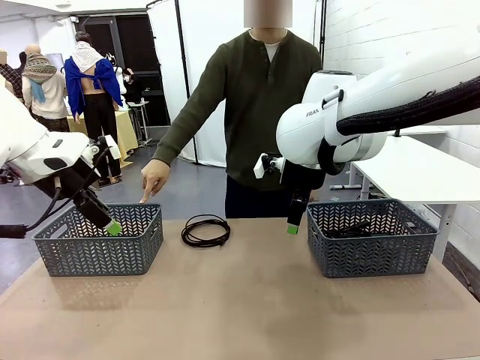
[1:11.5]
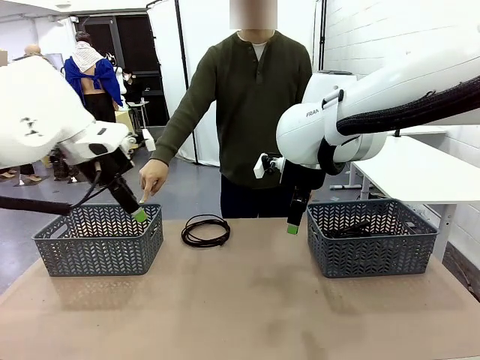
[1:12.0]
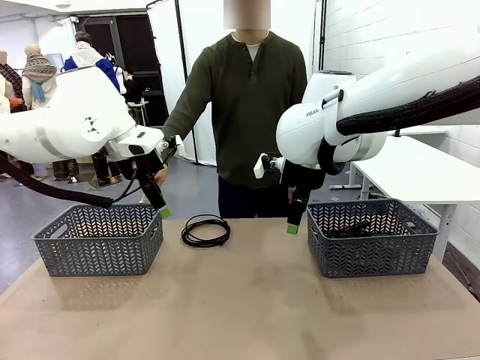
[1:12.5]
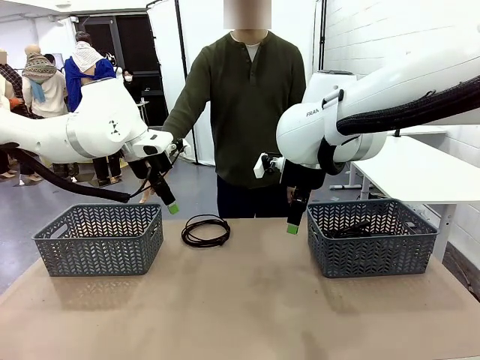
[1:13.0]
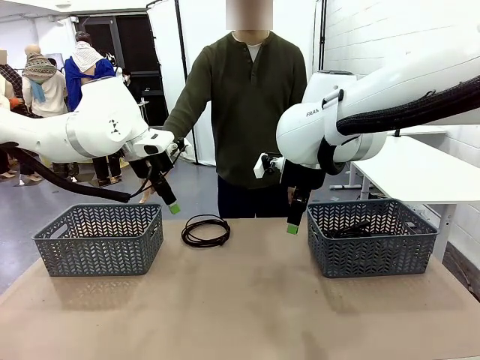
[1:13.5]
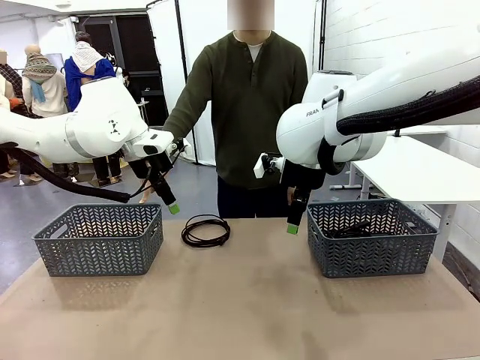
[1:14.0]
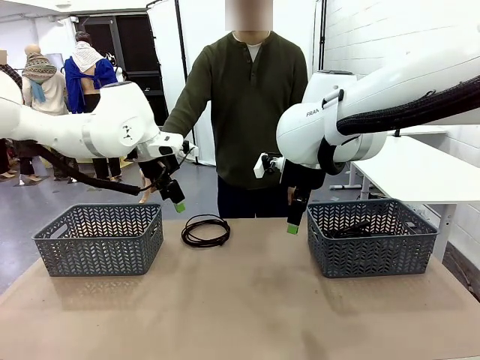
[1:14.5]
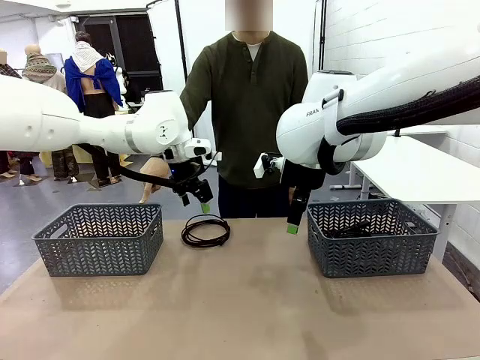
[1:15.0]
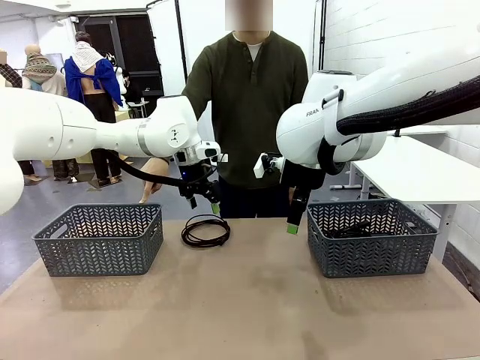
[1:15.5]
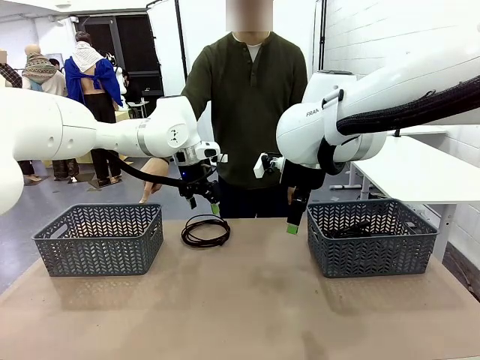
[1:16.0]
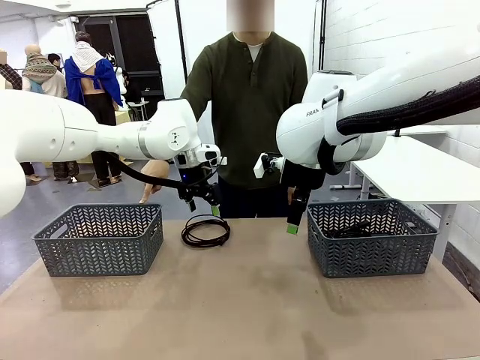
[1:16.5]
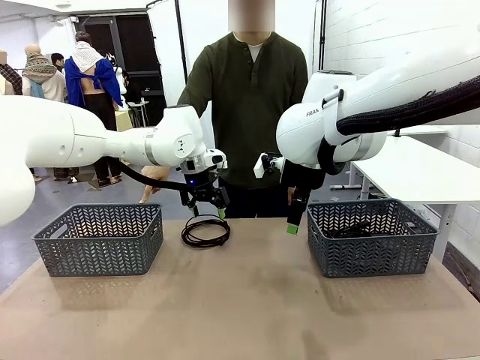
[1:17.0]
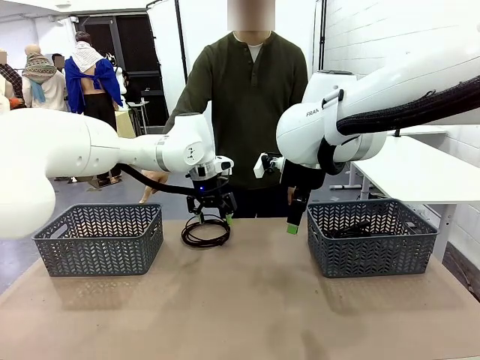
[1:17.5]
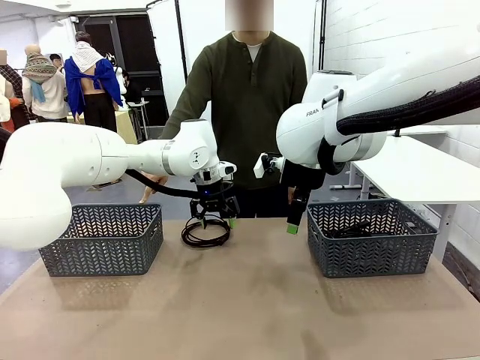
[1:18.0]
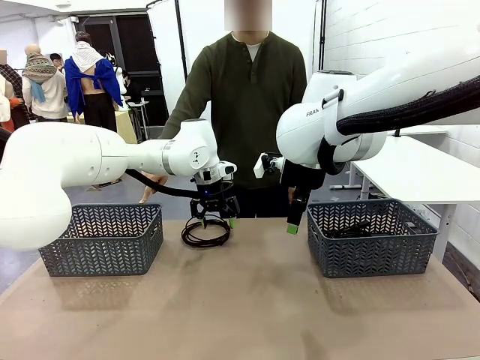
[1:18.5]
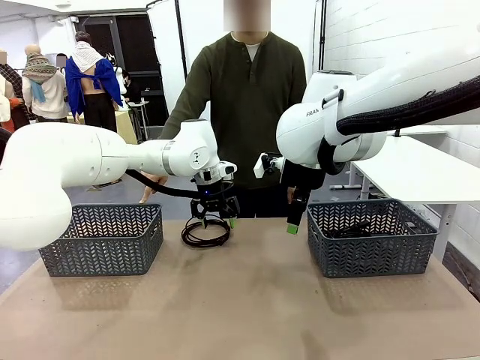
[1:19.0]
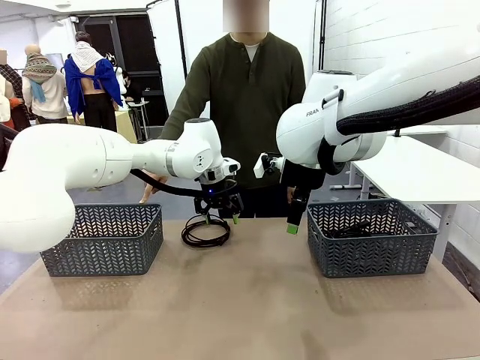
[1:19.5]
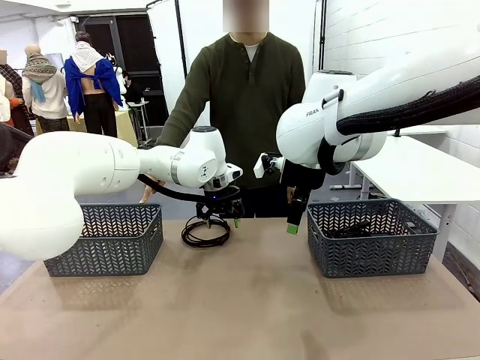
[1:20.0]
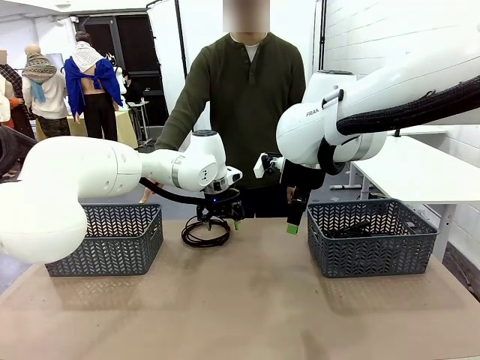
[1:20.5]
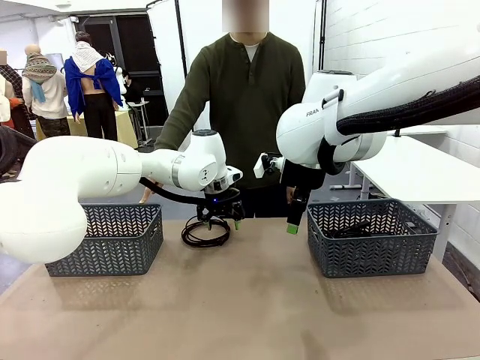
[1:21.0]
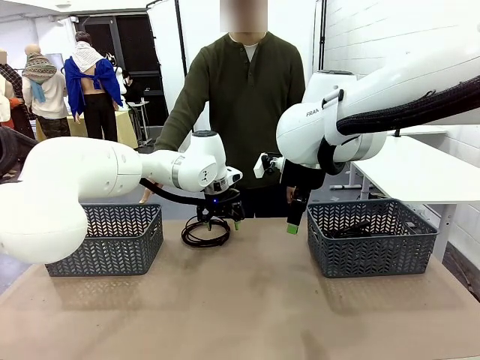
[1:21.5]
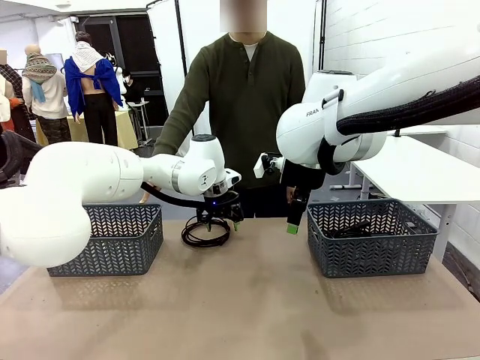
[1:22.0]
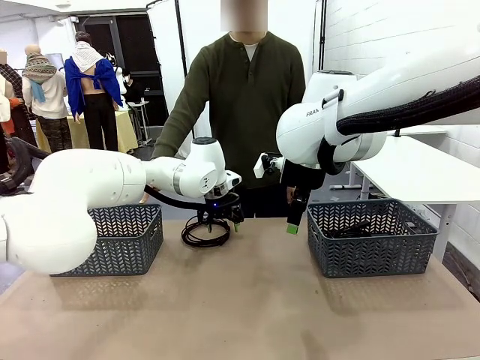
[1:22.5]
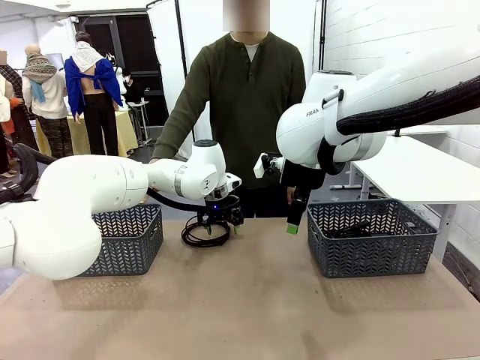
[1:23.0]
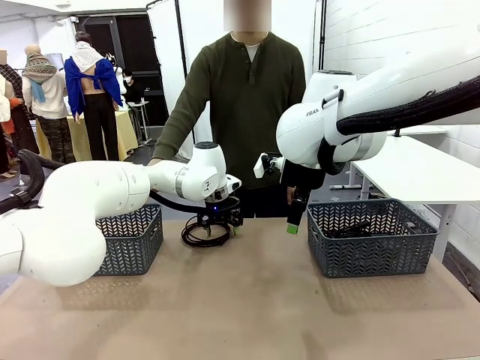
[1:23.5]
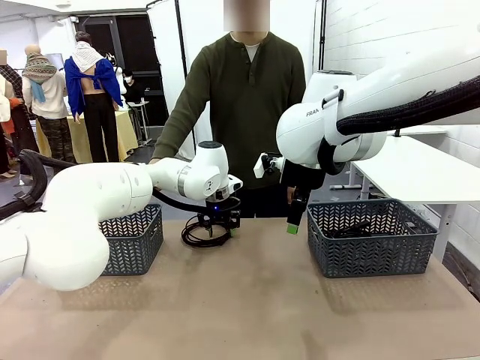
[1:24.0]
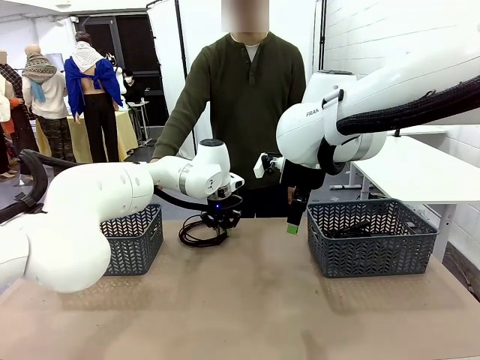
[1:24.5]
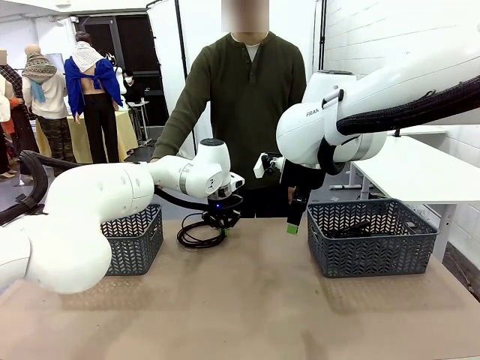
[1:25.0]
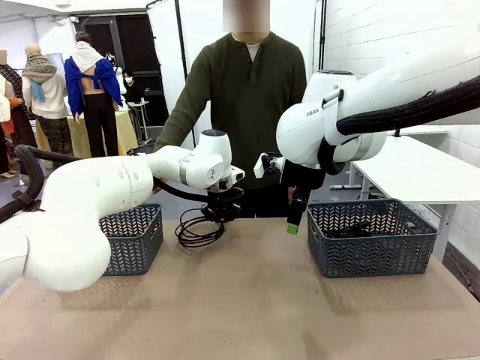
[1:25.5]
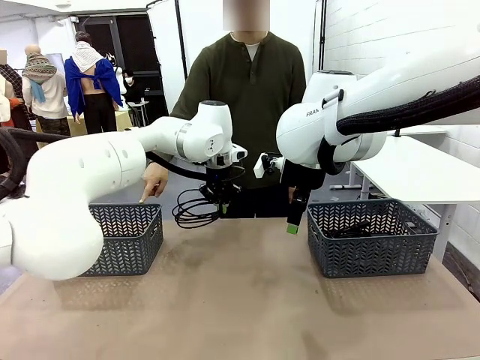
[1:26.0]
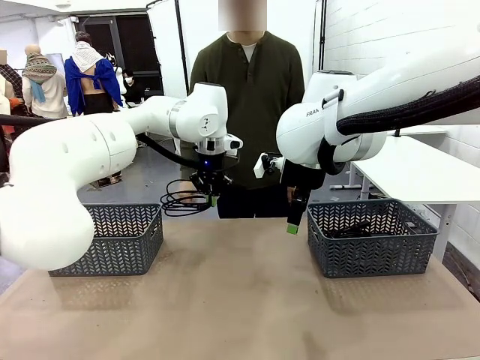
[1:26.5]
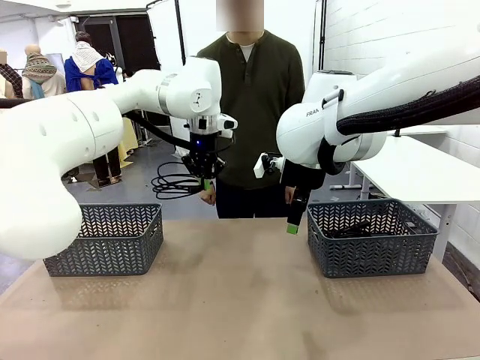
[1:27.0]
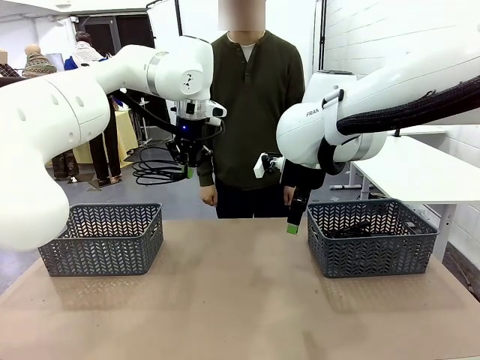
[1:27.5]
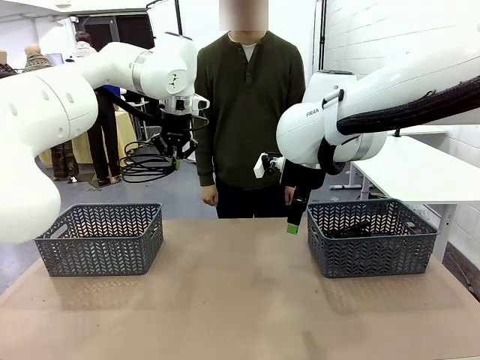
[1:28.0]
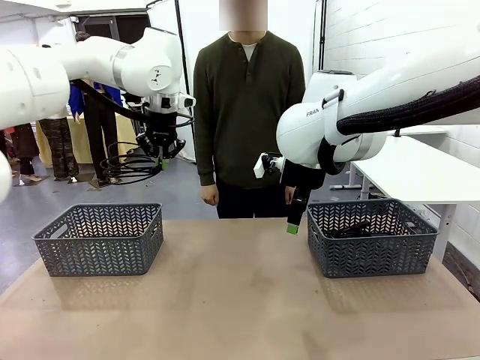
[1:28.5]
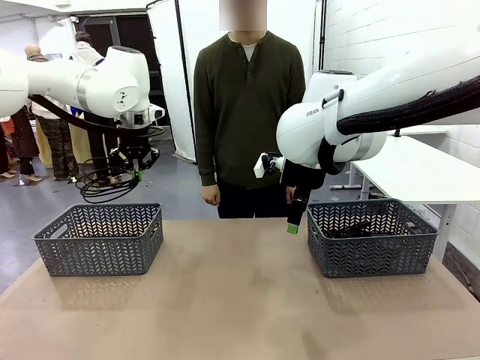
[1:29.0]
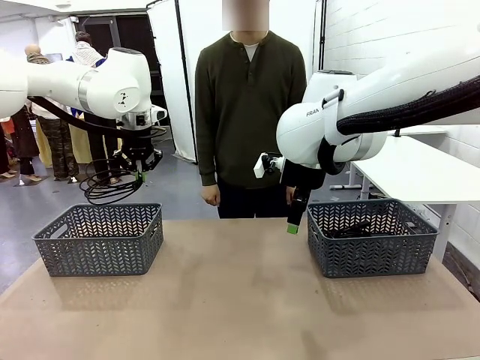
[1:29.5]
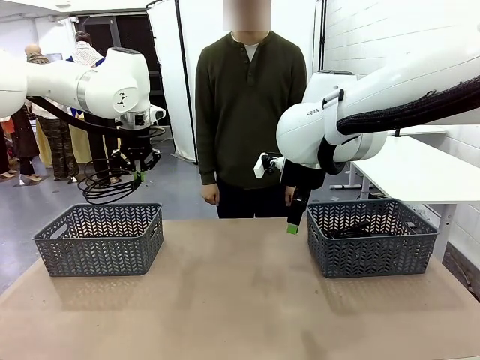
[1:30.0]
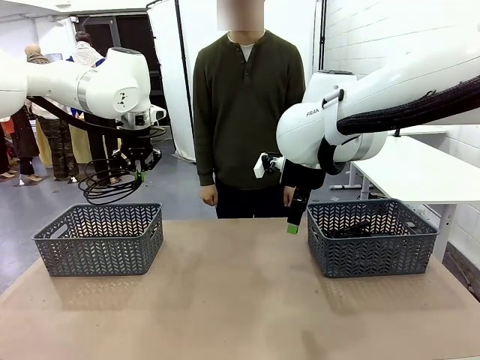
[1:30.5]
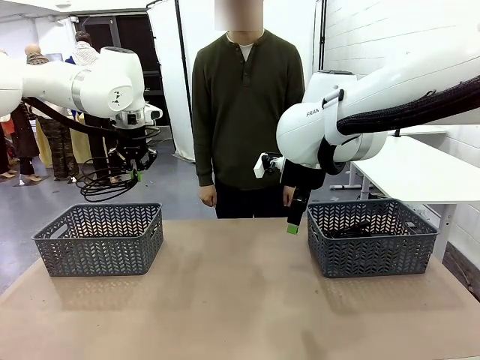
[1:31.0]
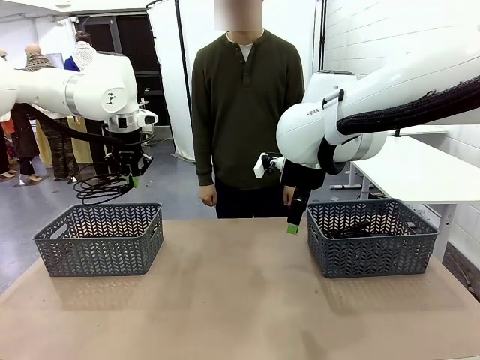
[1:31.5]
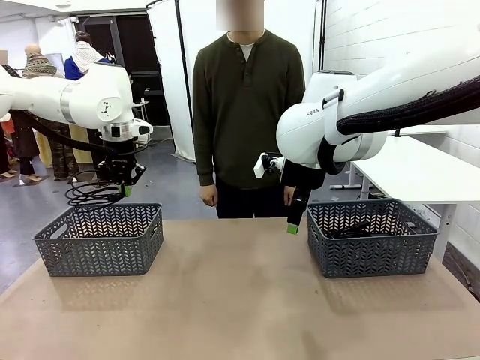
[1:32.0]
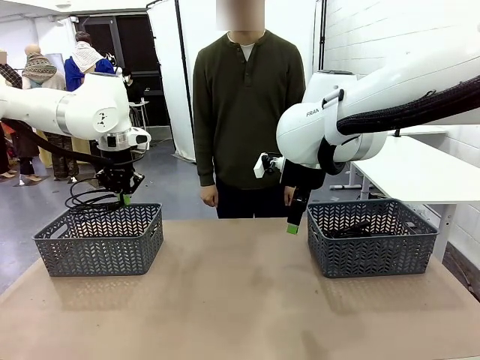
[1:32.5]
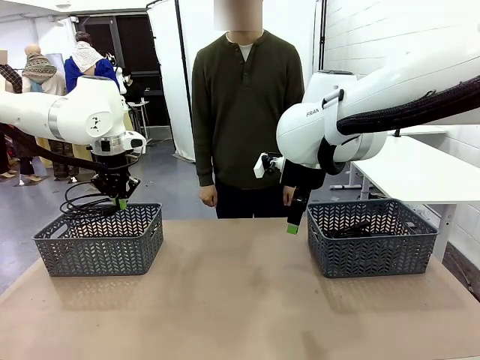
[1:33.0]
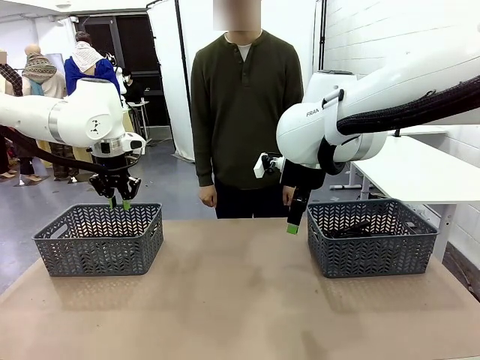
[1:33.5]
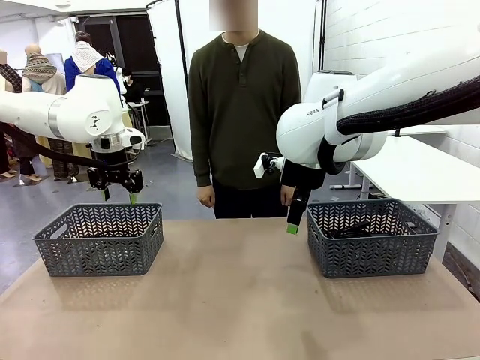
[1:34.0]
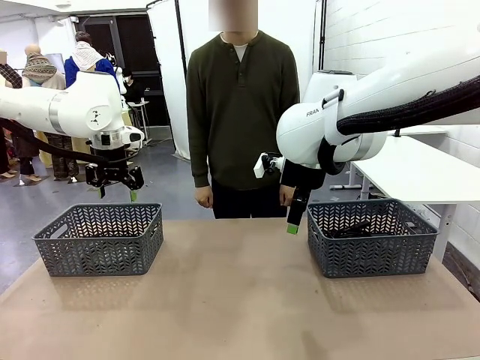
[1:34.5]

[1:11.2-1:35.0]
Task: Organize the cables according to human instructions.
Robot: Pick up a bundle of cables and place it in the basket indicated by the human.
